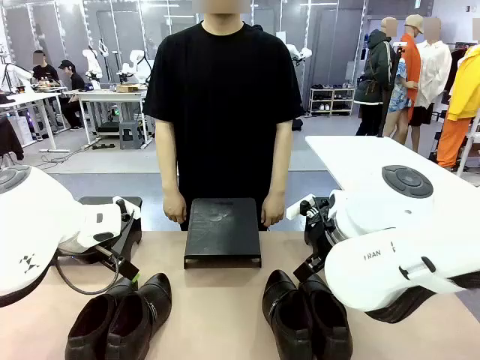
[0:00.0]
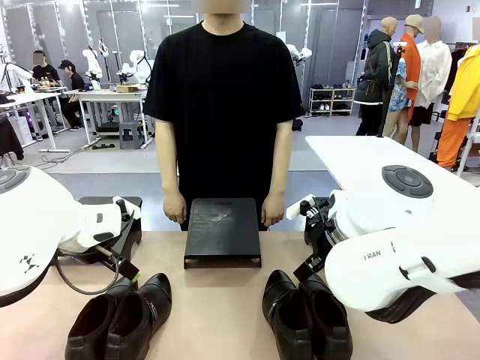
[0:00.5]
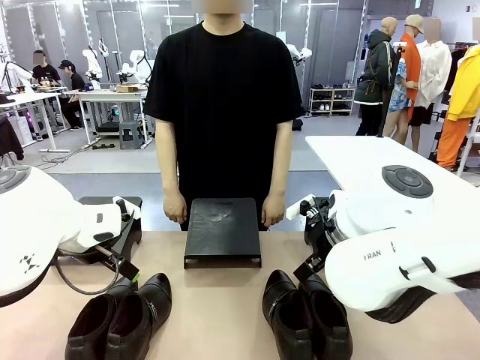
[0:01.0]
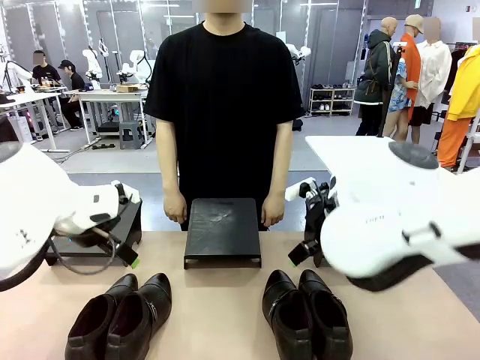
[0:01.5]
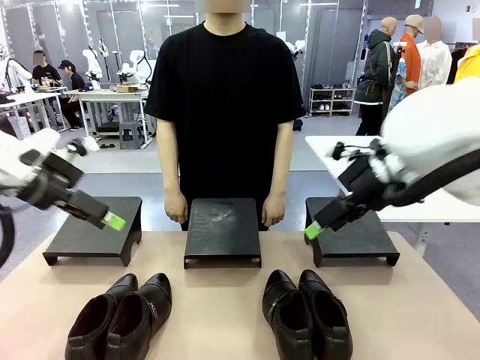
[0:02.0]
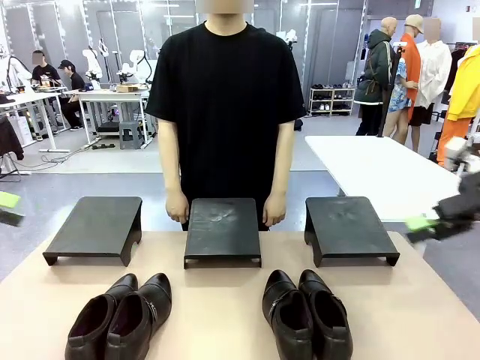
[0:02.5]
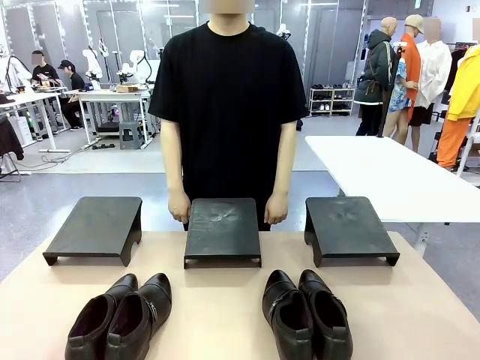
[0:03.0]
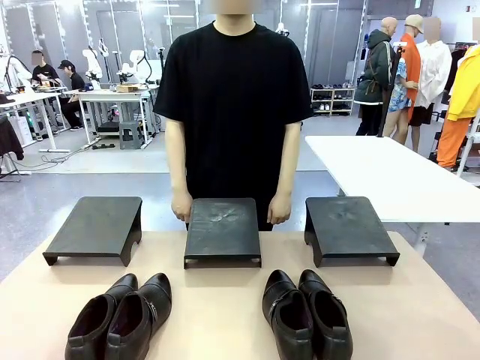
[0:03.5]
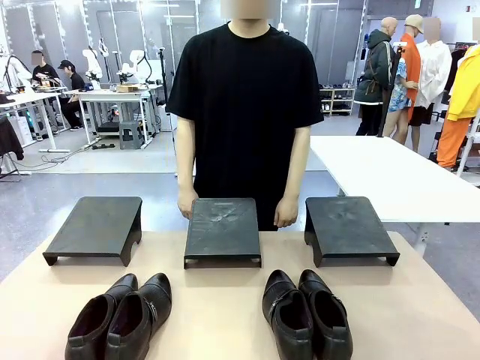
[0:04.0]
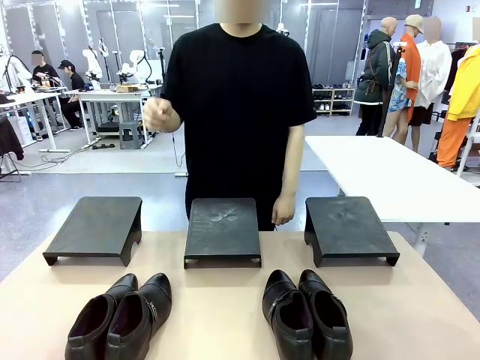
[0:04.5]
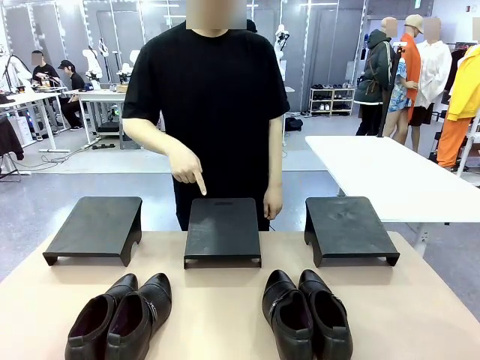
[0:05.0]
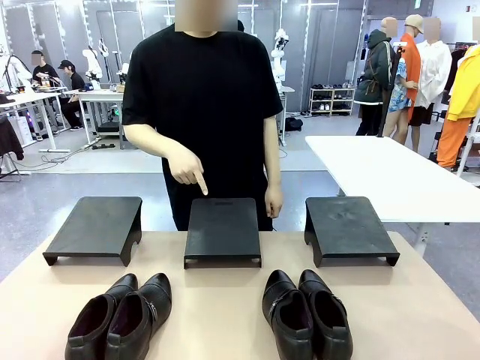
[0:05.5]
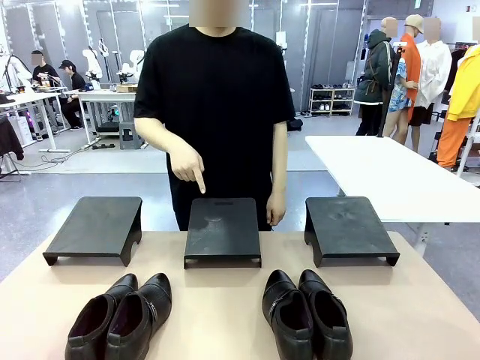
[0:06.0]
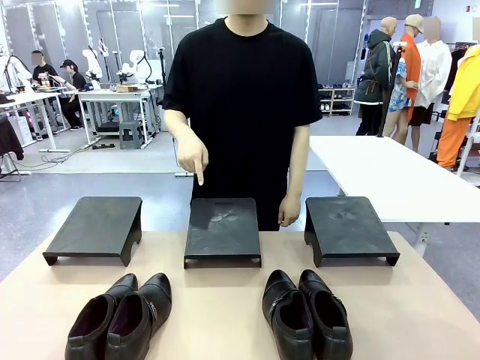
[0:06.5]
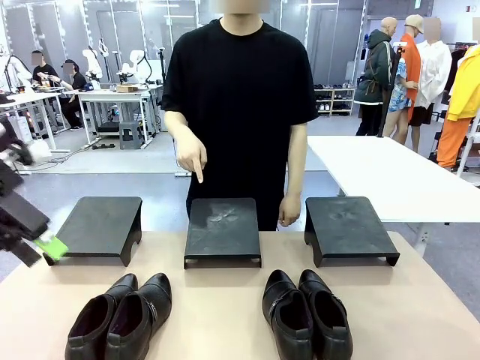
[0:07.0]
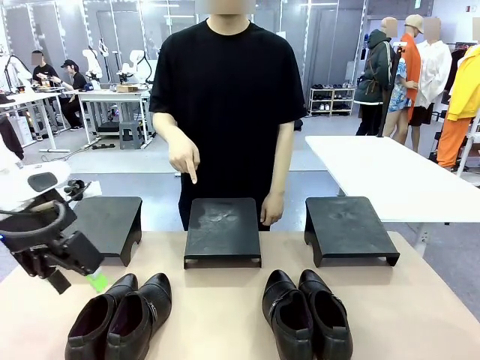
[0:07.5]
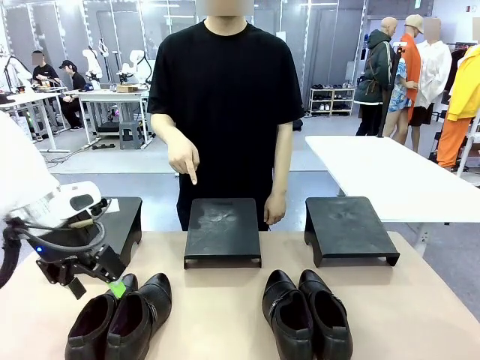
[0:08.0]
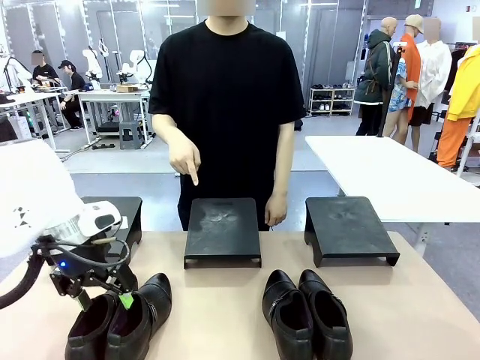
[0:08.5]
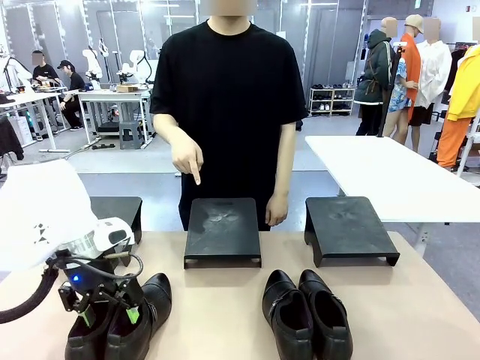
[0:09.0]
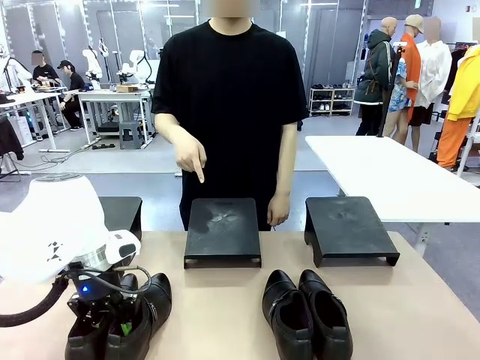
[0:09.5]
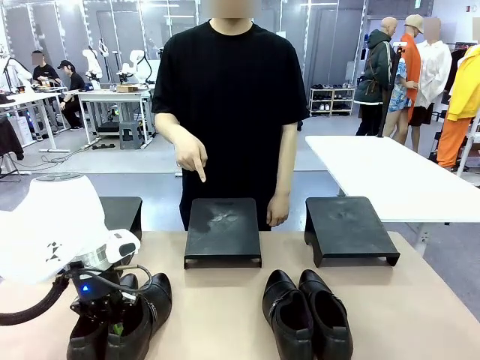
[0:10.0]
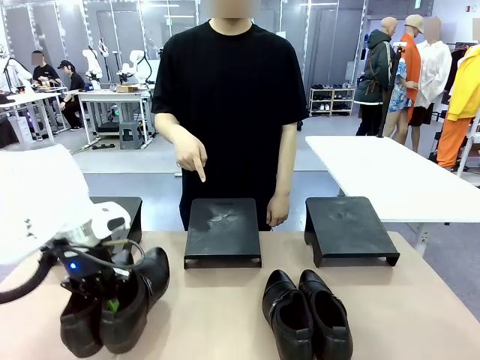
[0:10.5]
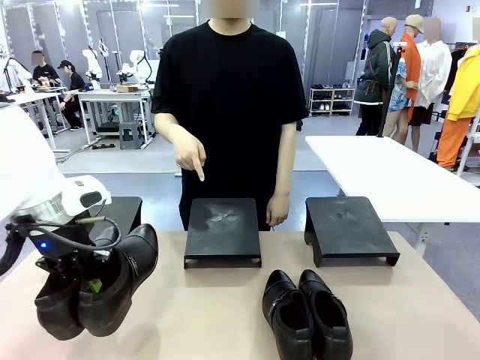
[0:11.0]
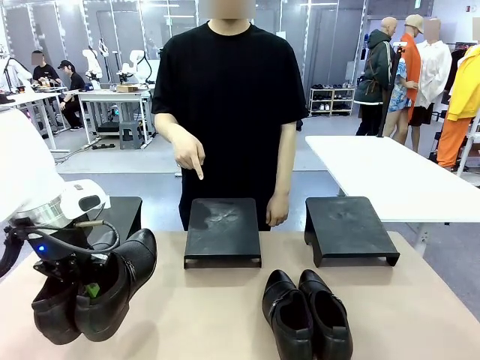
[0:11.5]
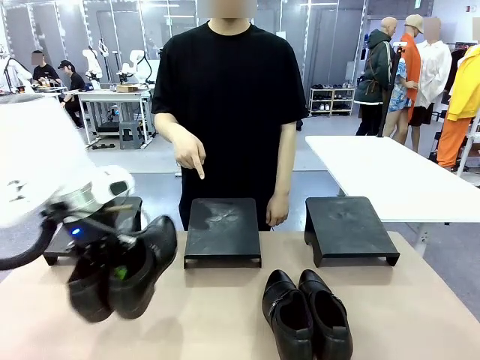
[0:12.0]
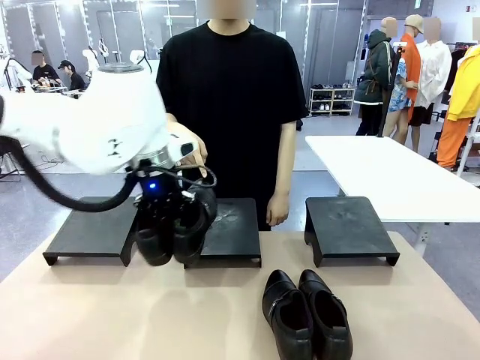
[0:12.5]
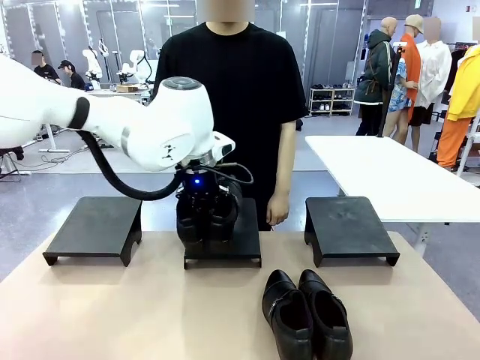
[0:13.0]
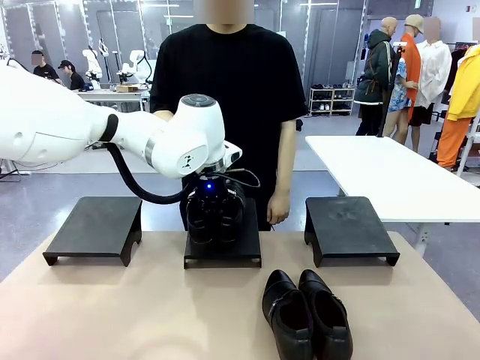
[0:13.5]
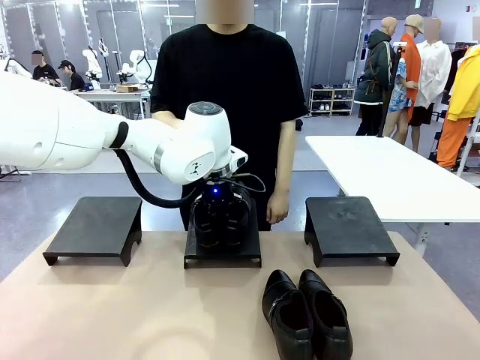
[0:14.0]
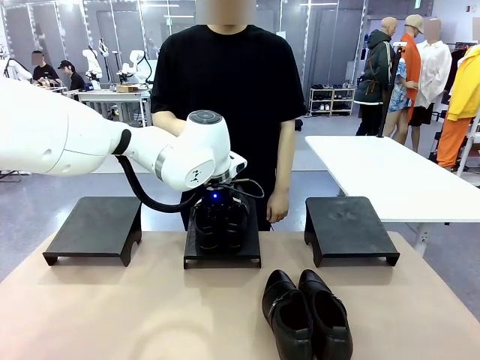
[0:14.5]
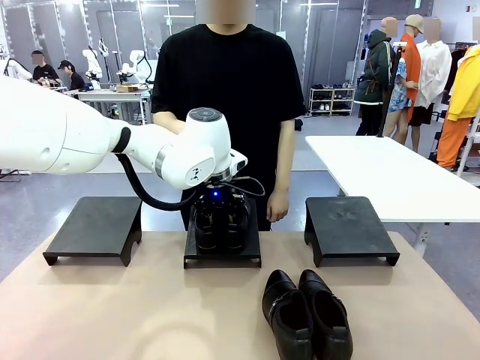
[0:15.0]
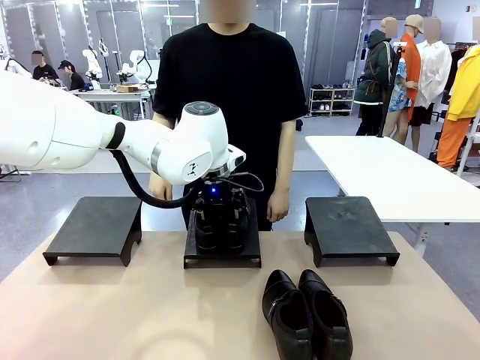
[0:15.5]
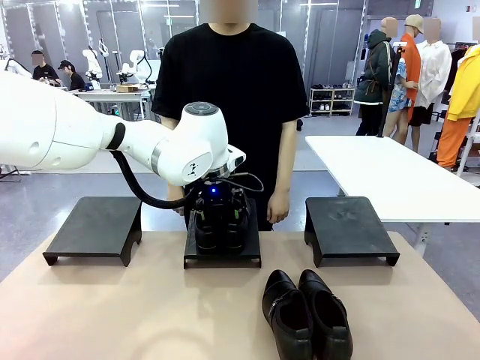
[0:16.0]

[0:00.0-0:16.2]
Task: Place the shoes on the stand as instructed by the person.
Robot: Pick up one pair of Shoes and place it on the Shoes Stand indicated by the person.

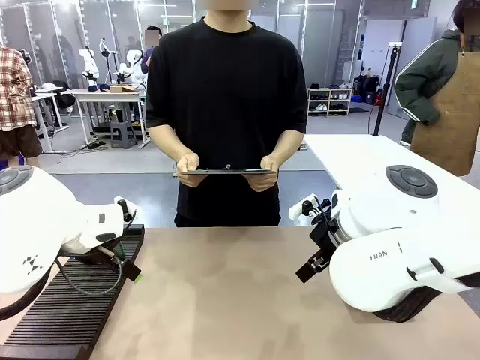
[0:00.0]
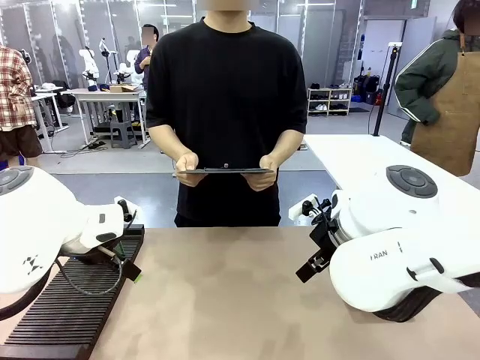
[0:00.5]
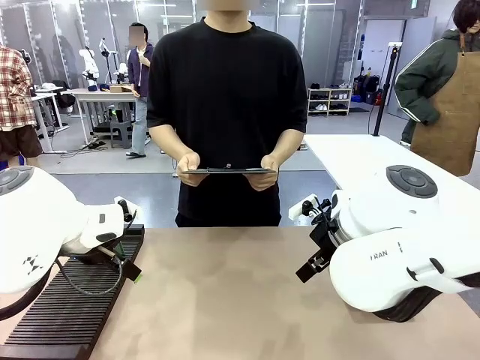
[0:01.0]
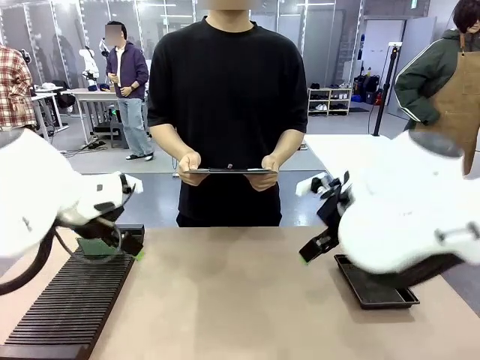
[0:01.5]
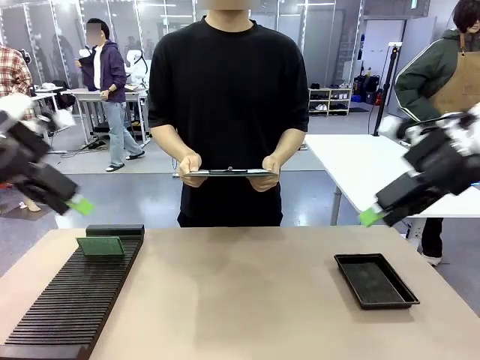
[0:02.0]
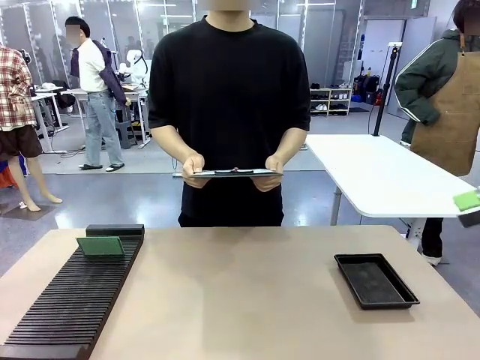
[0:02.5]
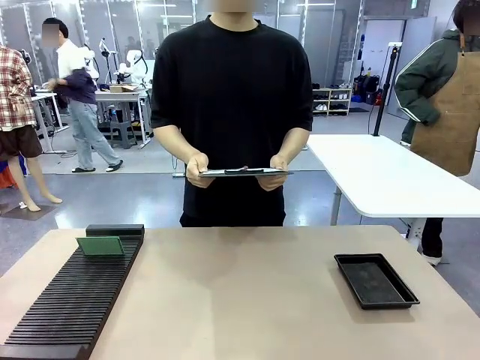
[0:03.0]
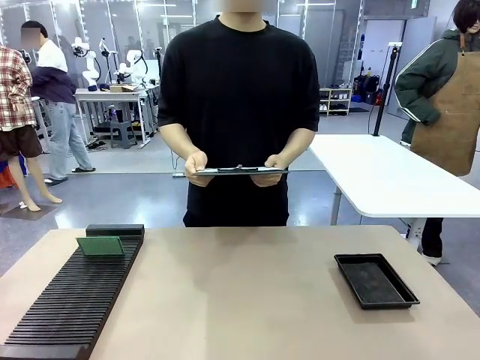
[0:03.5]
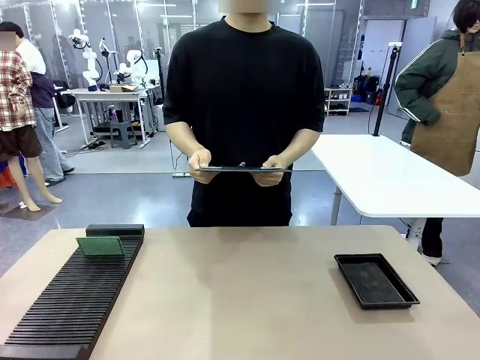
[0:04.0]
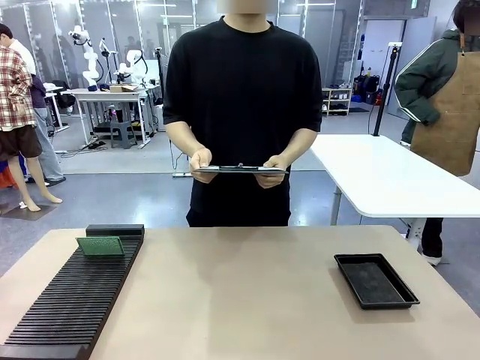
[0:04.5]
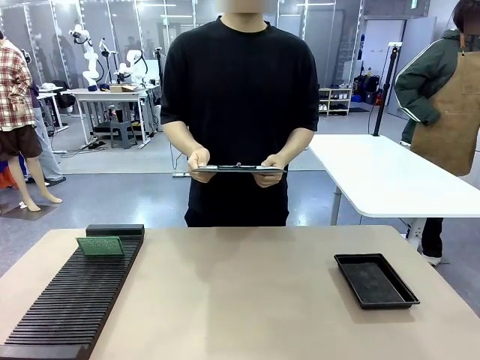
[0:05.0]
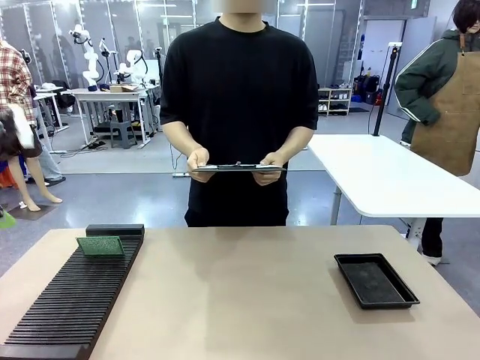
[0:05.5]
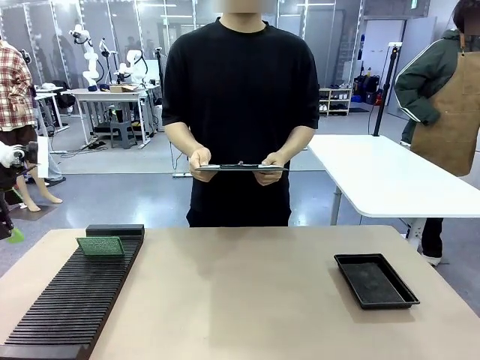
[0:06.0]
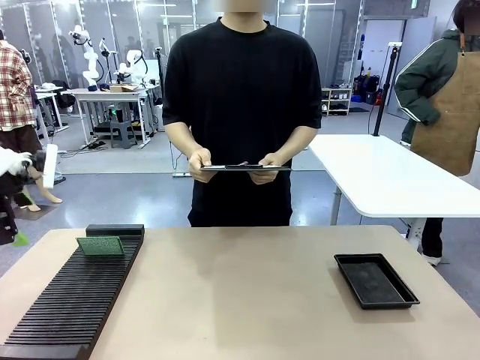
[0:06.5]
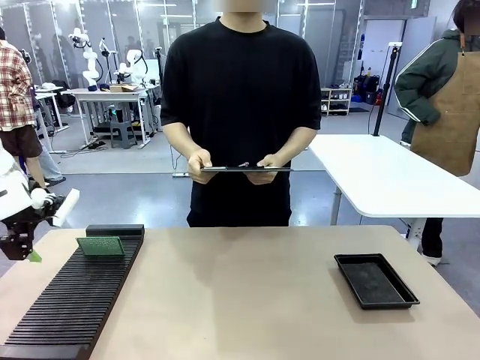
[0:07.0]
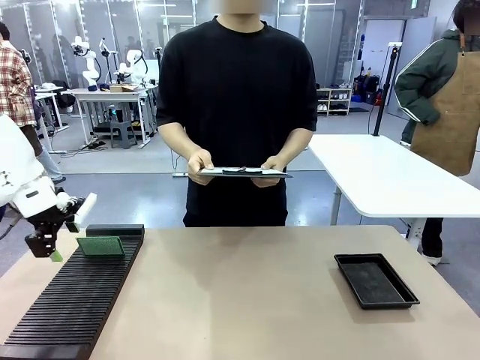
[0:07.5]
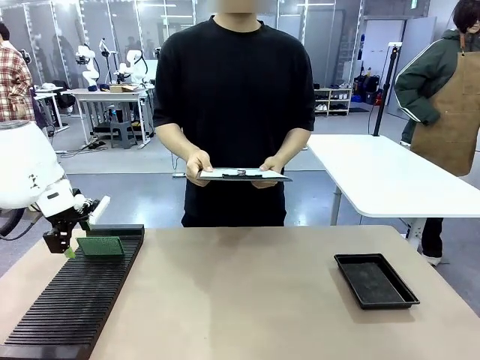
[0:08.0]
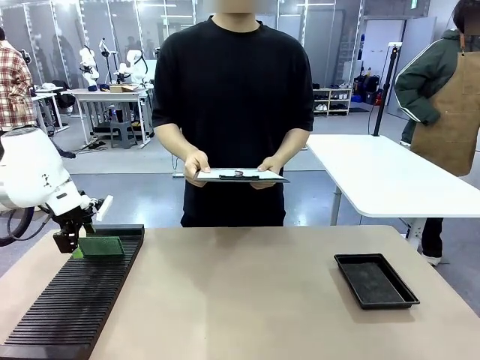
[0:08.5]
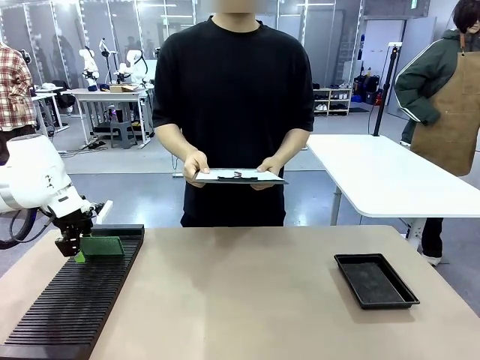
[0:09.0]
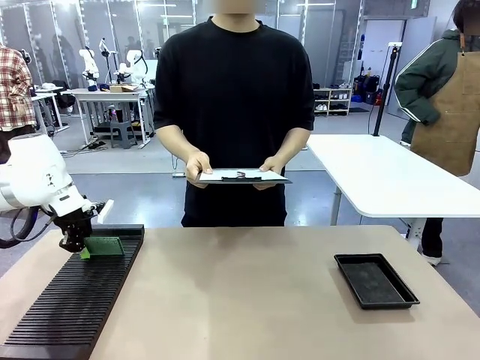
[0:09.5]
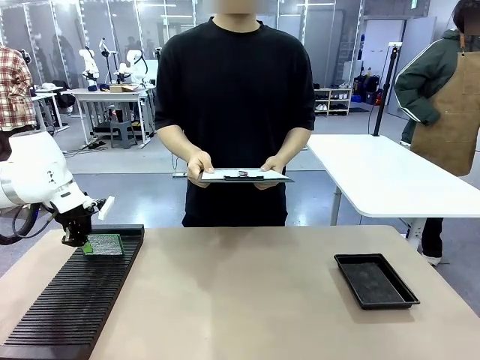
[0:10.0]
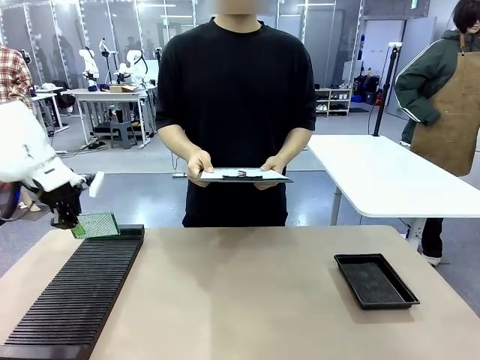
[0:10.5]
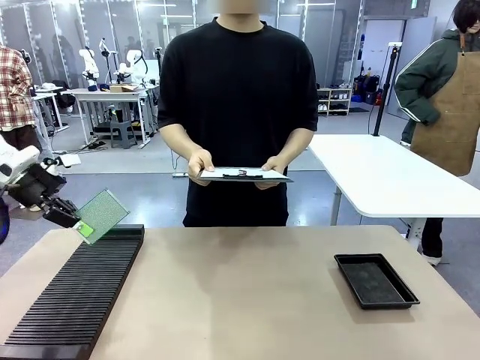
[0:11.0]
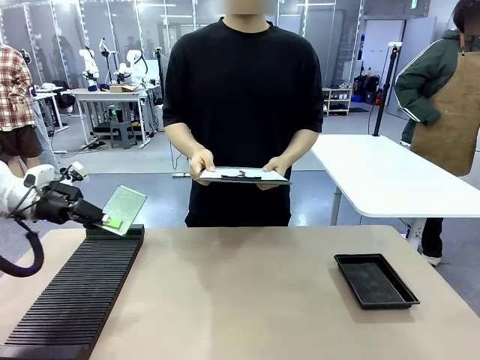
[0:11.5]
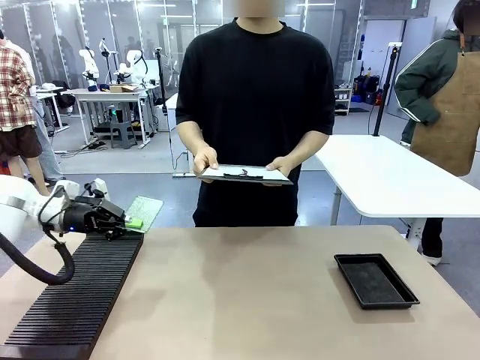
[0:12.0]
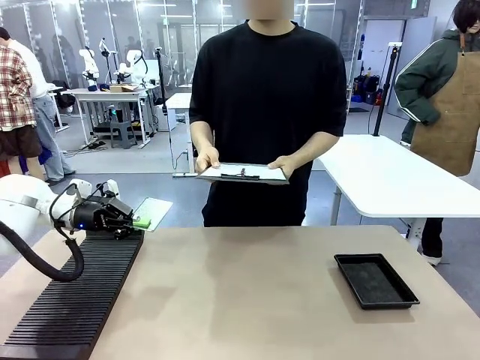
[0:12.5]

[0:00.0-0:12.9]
Task: Inspect the PCB.
Robot: Pick up the Blank PCB and present it to the human.
Person: Pick up the PCB presented by the robot.
